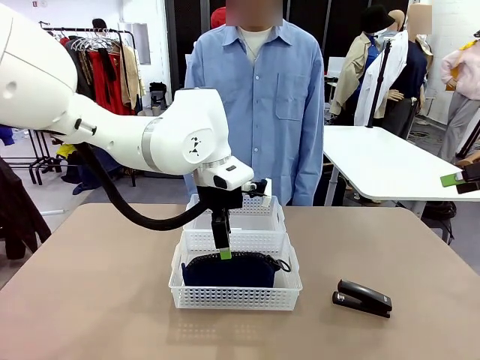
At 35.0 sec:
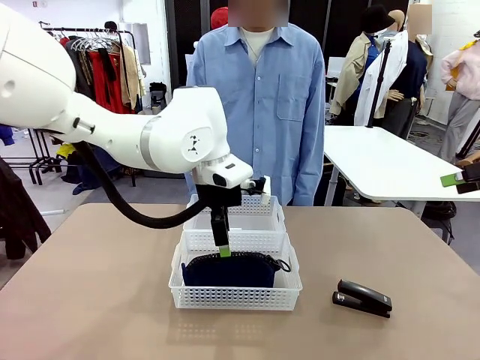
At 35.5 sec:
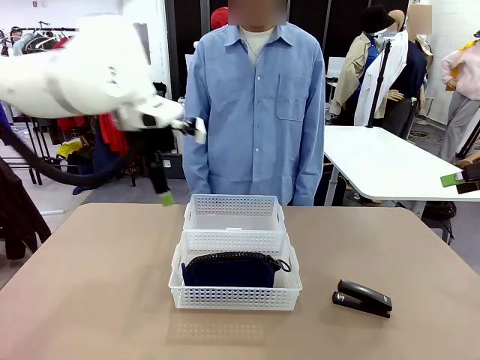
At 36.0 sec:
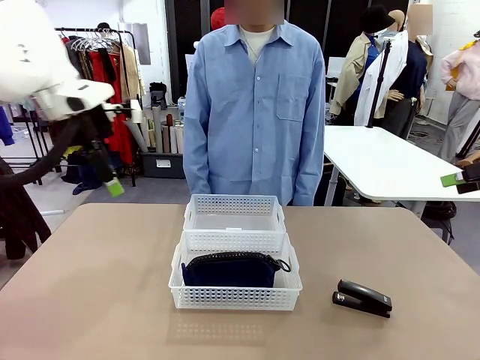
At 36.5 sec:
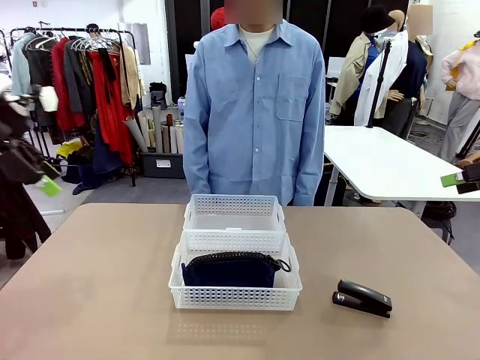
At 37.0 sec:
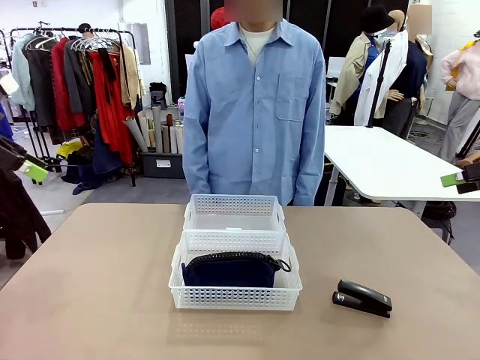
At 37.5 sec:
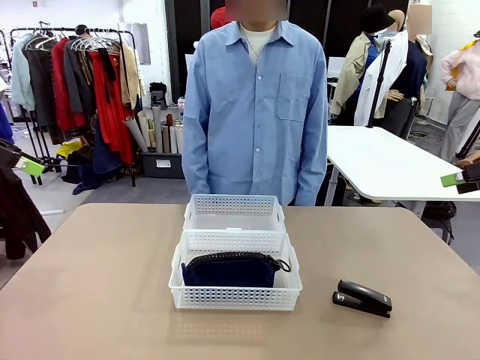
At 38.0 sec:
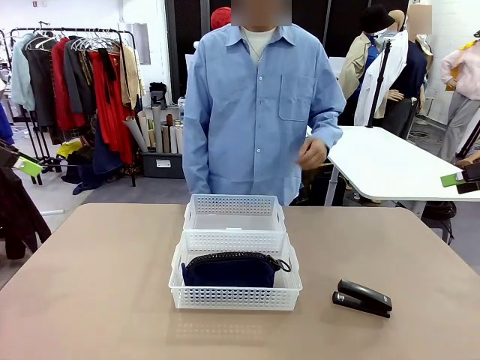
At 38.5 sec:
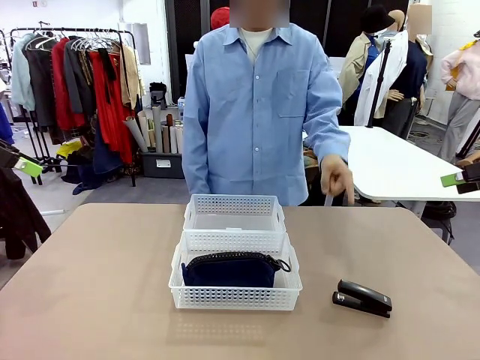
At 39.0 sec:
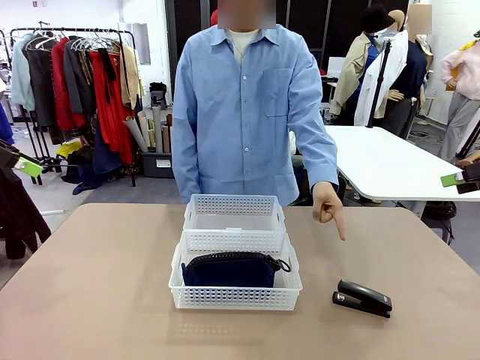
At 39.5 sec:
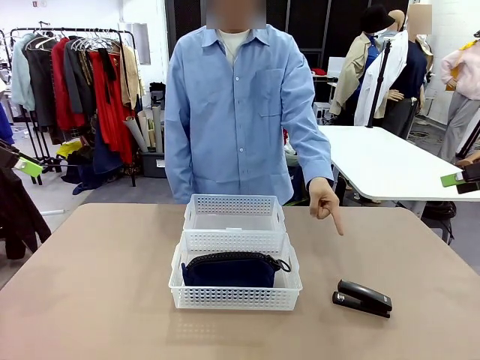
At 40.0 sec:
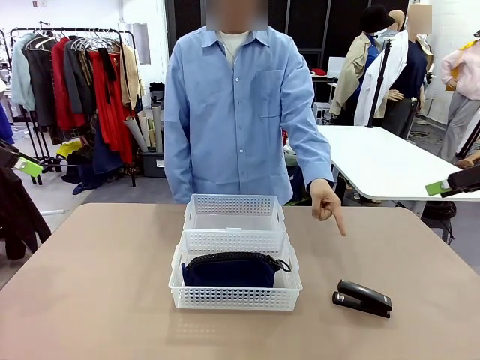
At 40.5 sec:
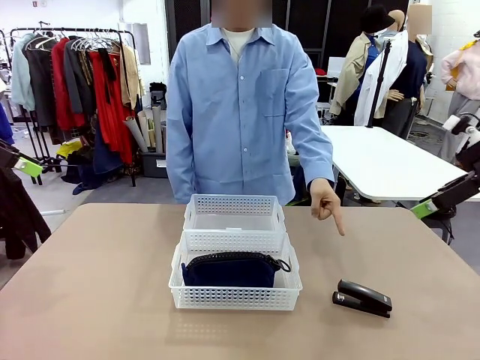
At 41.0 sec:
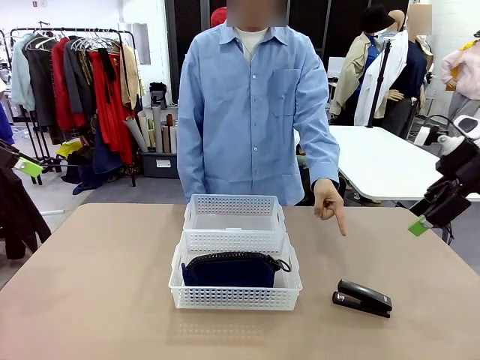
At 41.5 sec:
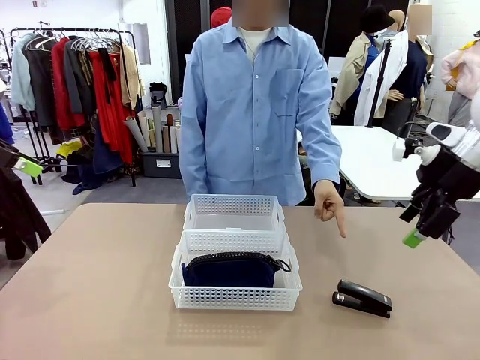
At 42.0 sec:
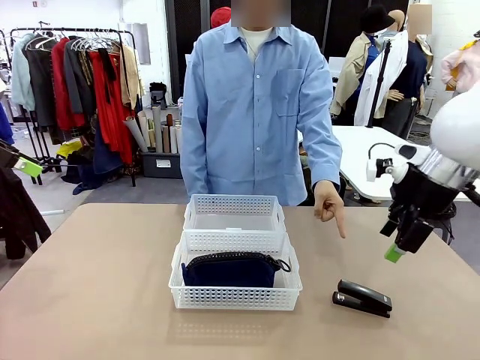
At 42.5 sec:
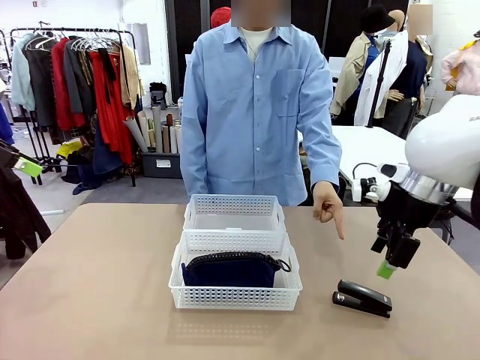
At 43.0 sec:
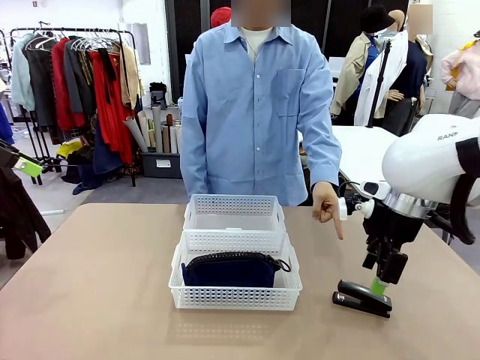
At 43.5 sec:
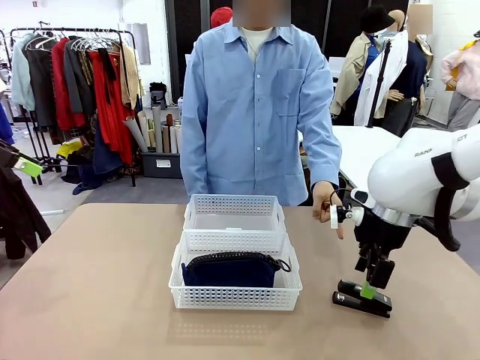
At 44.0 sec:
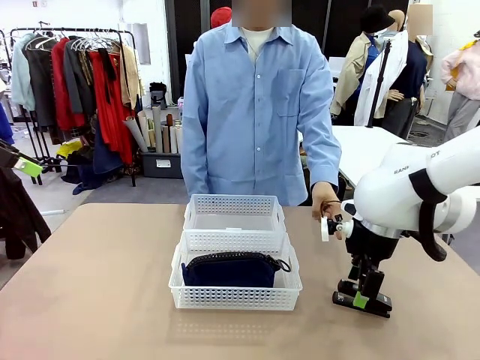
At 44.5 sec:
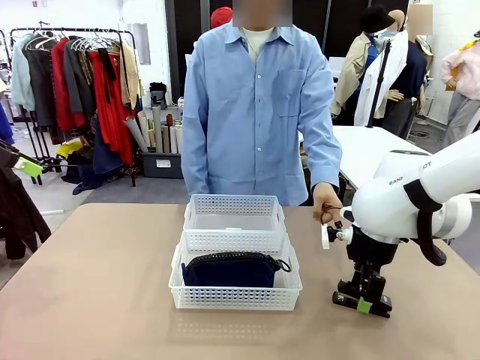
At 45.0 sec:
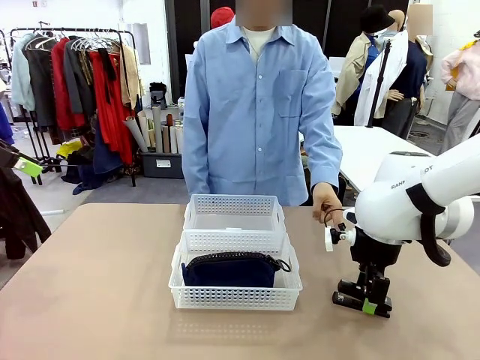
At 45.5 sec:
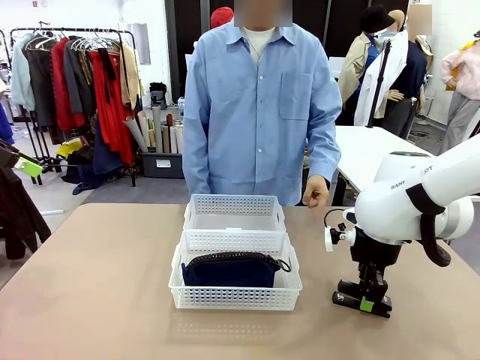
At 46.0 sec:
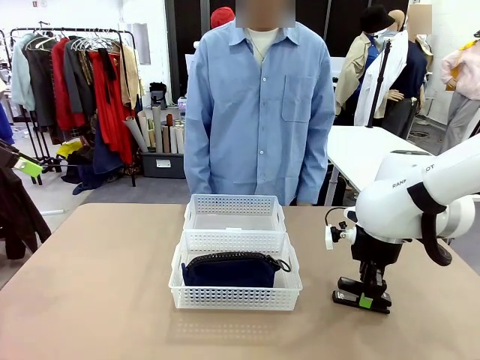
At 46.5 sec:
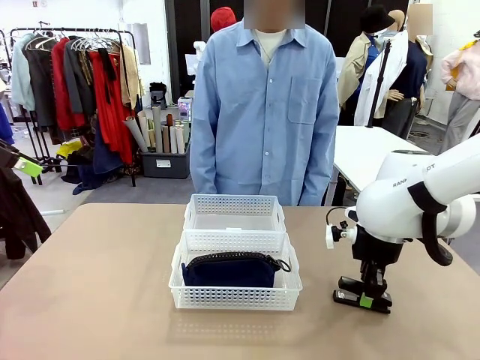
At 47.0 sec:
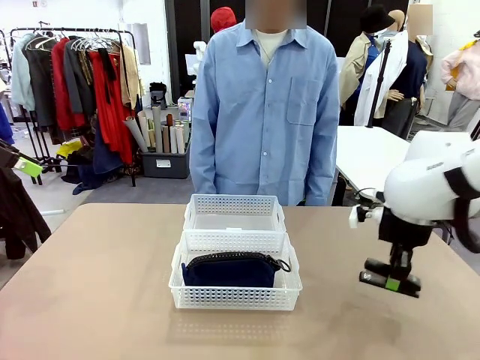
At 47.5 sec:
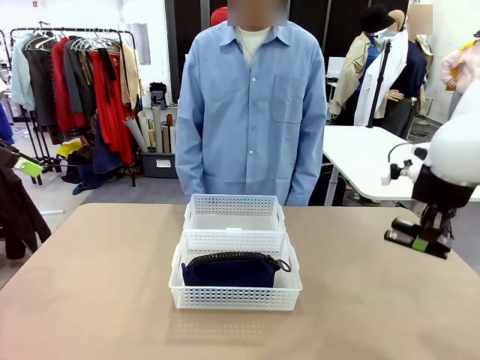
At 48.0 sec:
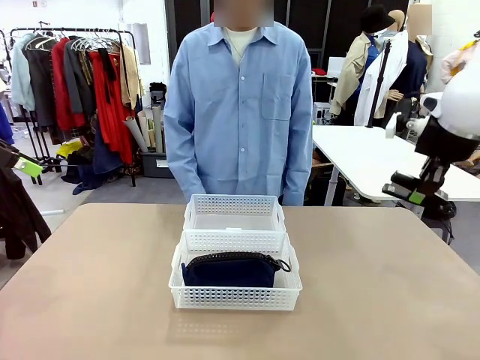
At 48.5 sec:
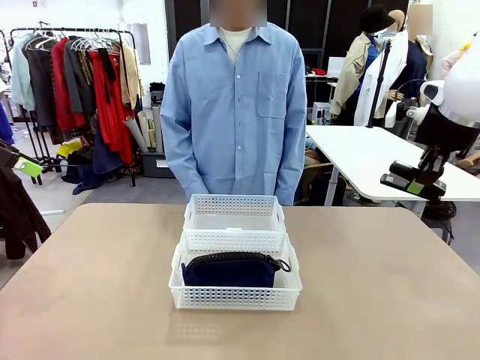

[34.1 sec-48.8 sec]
Task: Distribute items into two baskets.
Robot: Pick up the Stapler that the person points to.

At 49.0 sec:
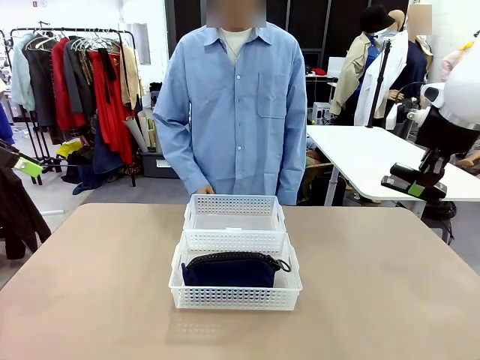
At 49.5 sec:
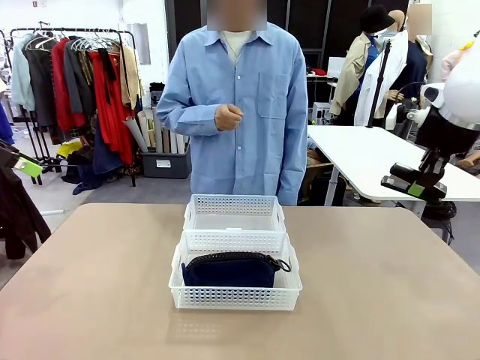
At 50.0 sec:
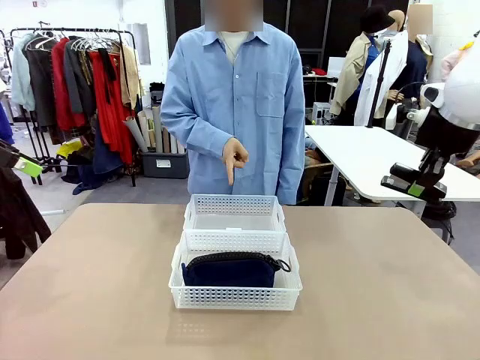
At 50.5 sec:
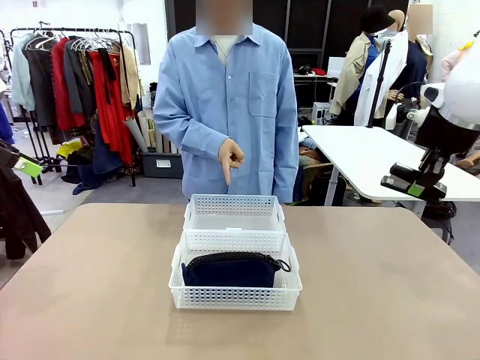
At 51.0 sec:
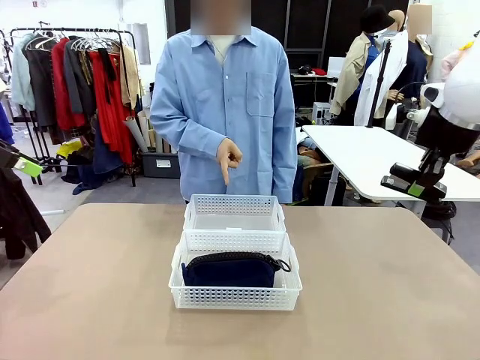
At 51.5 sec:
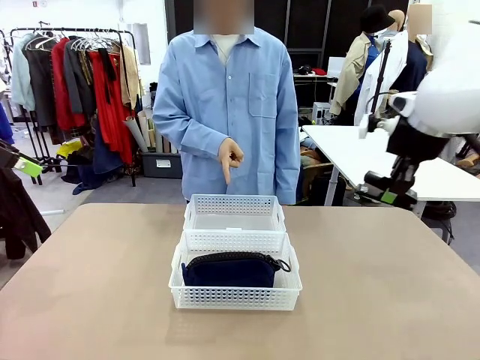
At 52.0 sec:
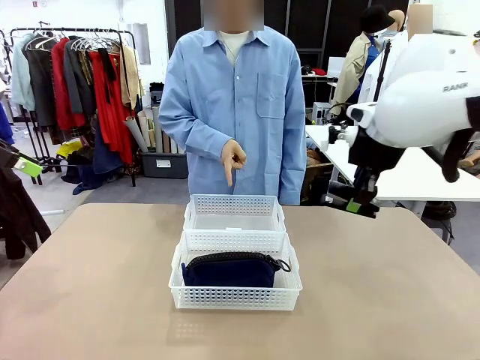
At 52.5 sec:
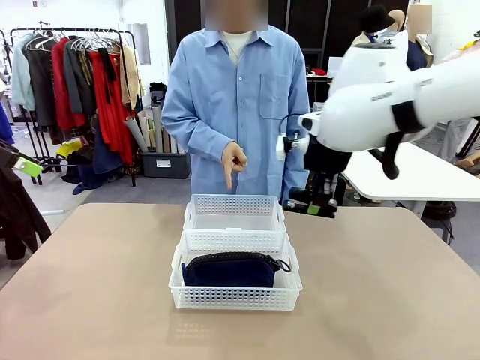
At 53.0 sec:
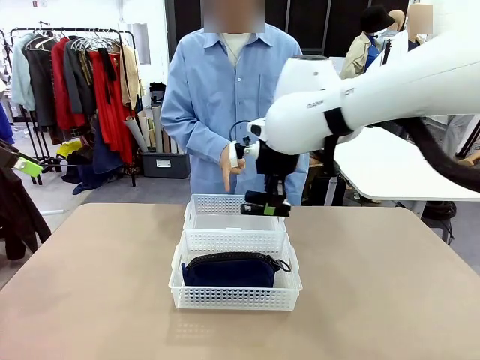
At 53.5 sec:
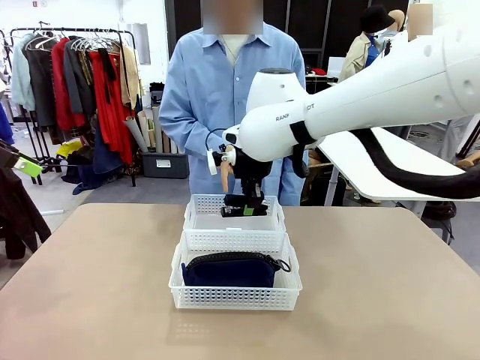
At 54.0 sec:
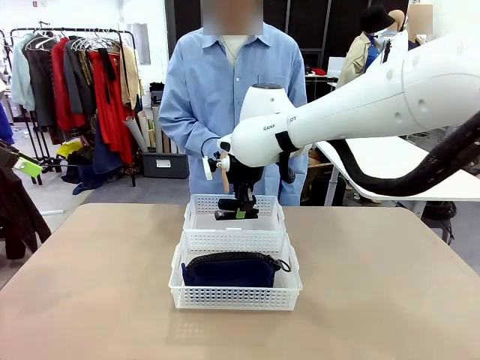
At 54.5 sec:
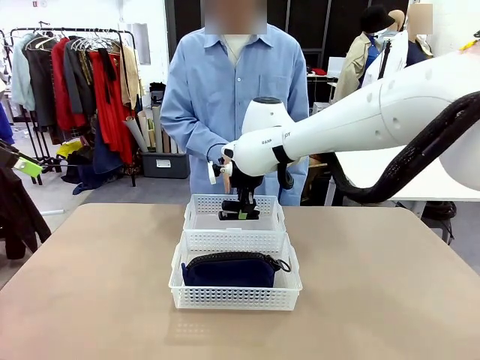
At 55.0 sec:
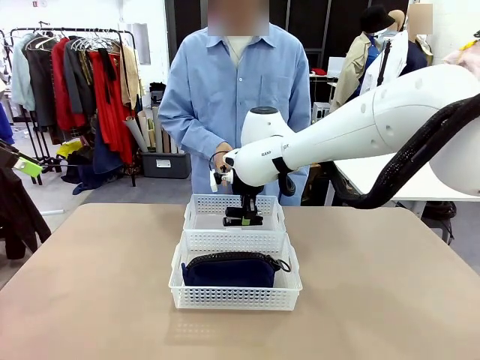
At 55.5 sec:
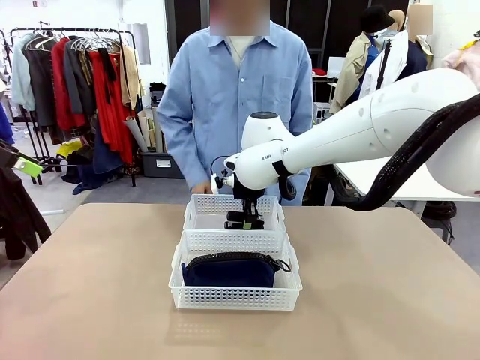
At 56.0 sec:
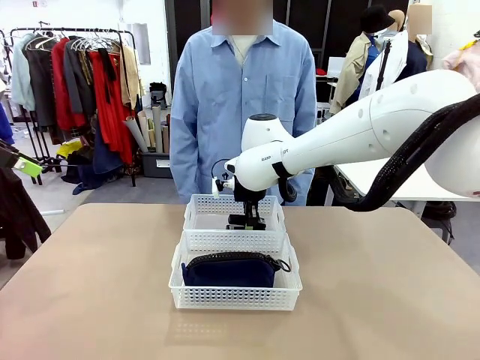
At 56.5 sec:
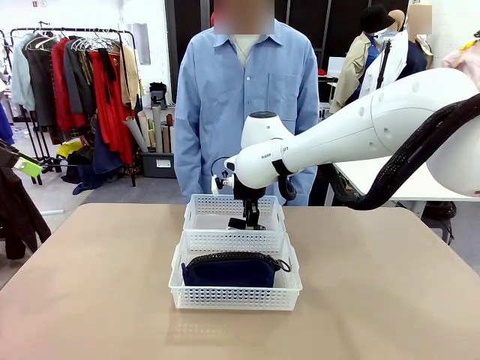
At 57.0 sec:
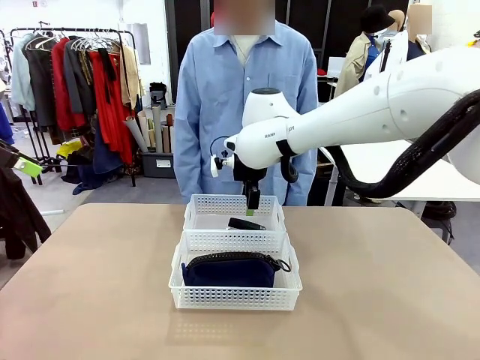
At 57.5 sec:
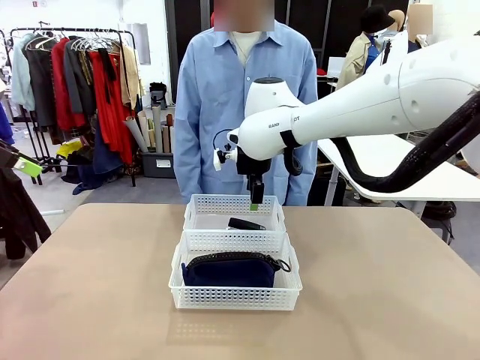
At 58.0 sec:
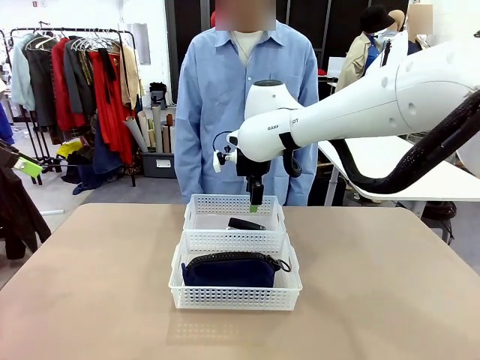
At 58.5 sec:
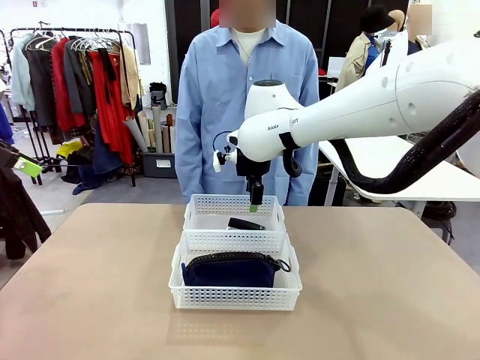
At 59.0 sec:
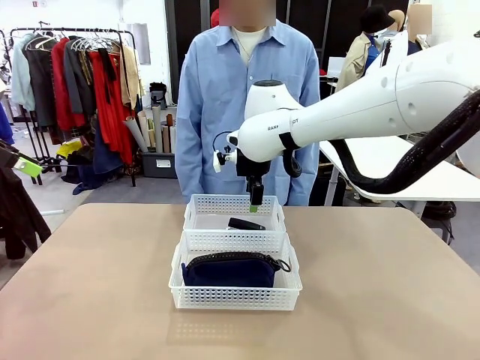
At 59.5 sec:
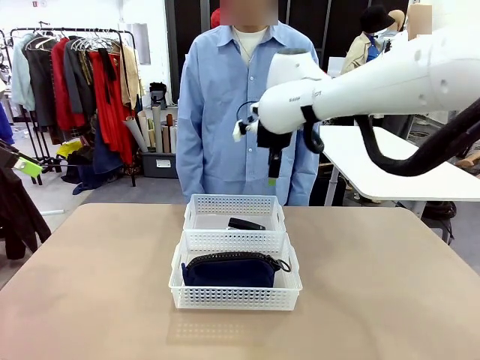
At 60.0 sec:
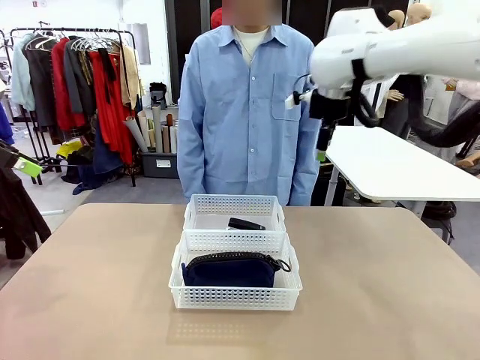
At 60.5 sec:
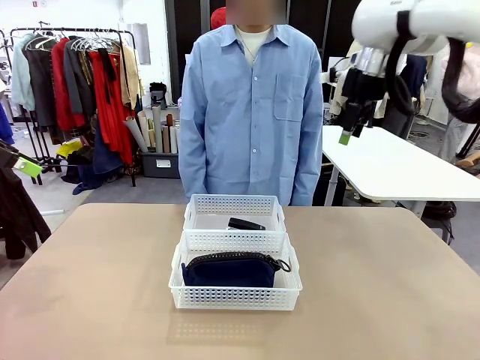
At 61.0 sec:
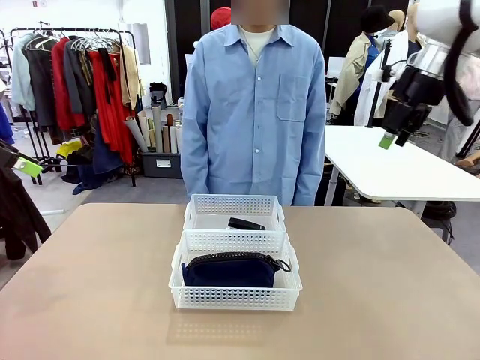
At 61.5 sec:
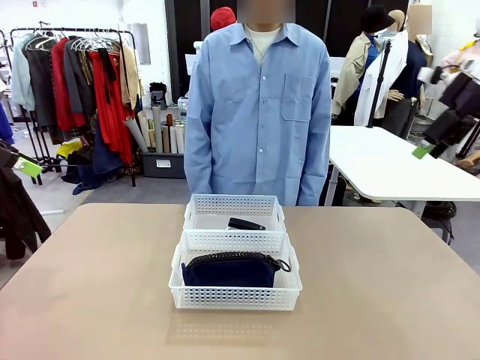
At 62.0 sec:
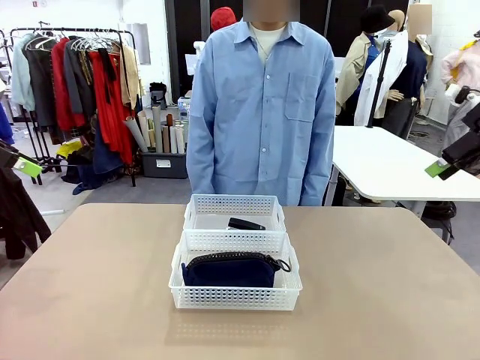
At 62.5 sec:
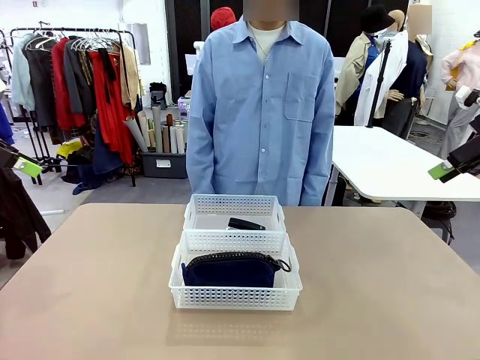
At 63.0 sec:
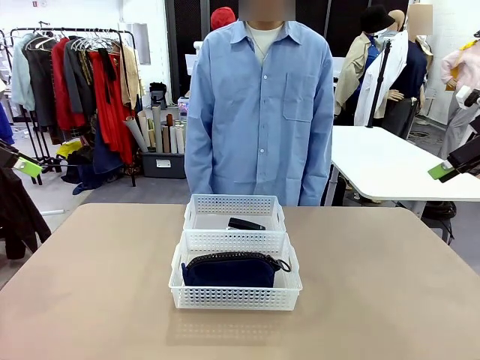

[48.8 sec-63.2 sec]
Robot: Place the picked Stapler into the Organizing basket as instructed by the person.
Person: Points to the basket that does not contain the pencil case and instructs the robot to move the stapler there.
